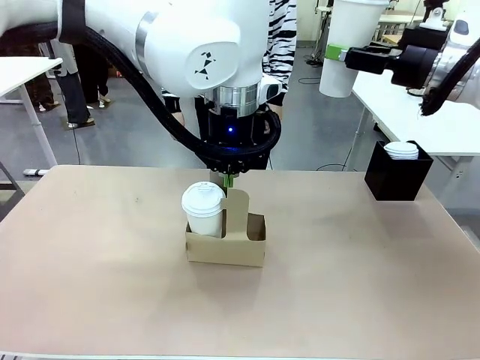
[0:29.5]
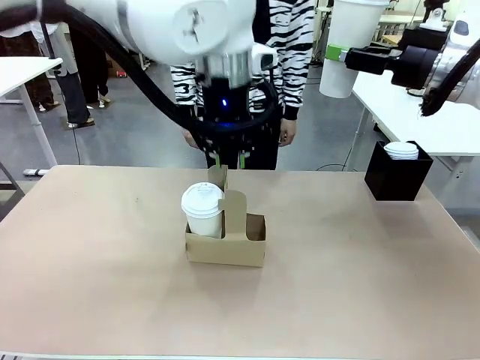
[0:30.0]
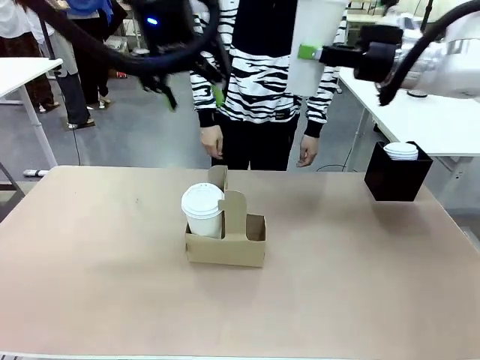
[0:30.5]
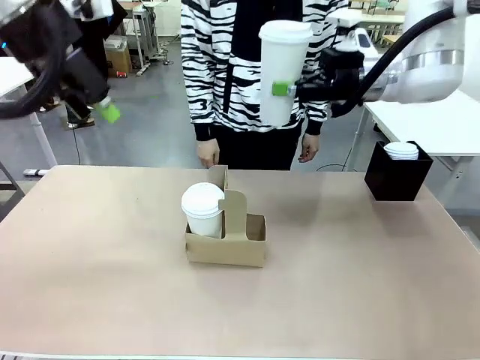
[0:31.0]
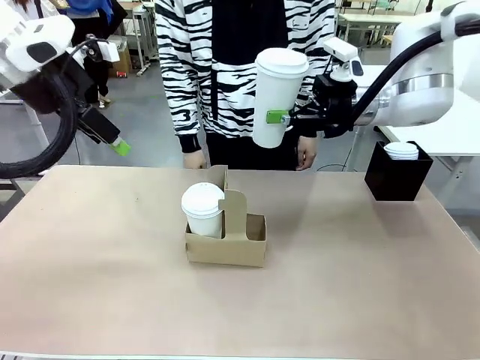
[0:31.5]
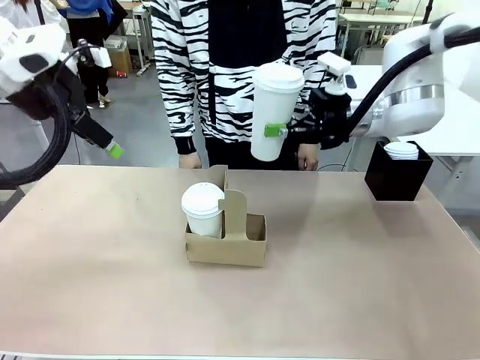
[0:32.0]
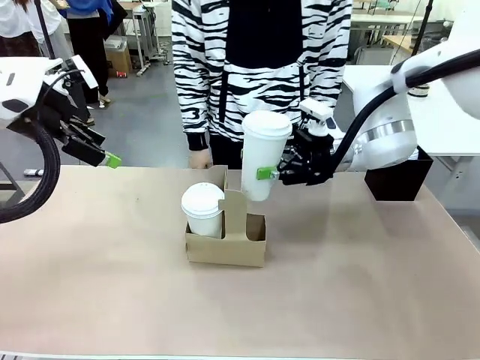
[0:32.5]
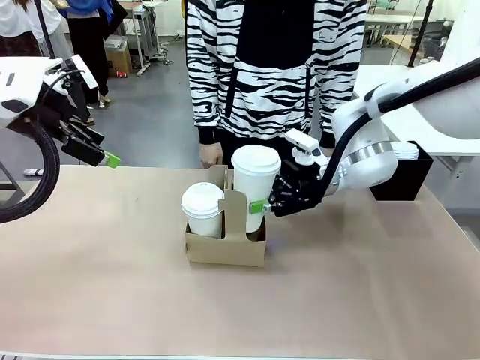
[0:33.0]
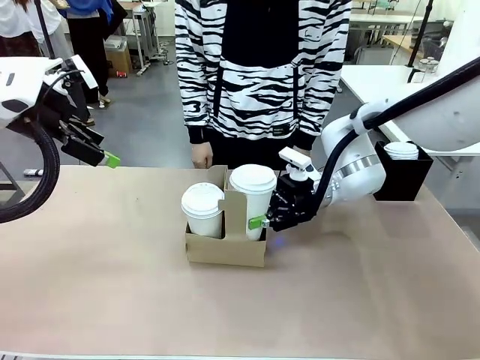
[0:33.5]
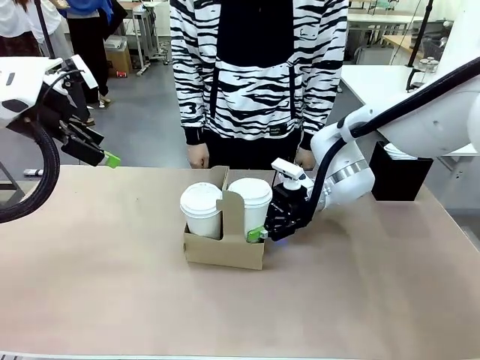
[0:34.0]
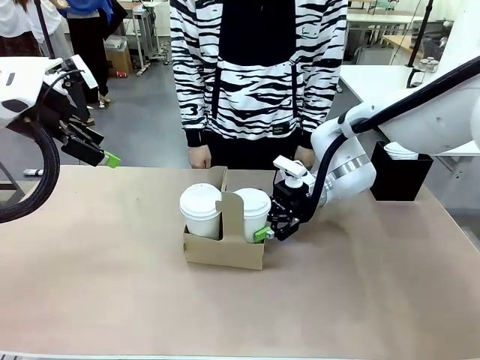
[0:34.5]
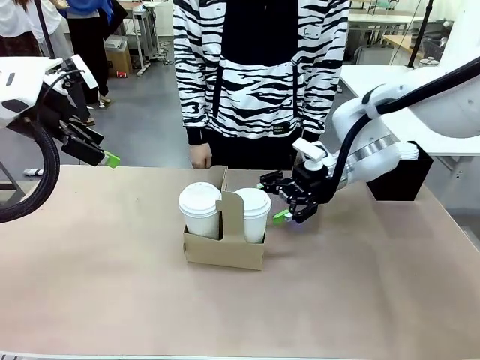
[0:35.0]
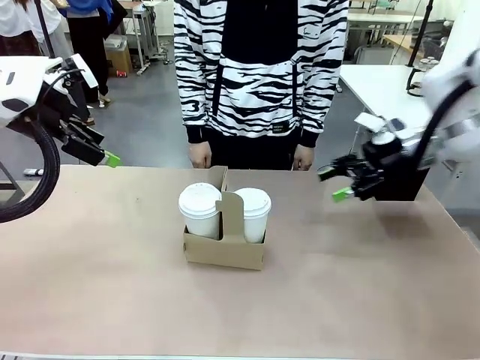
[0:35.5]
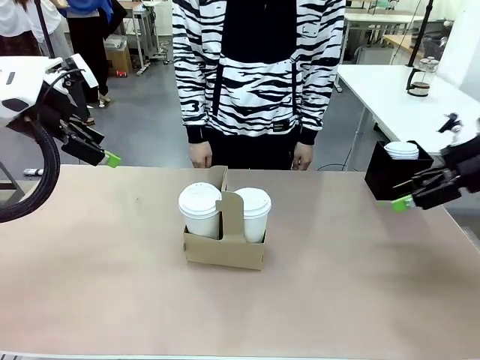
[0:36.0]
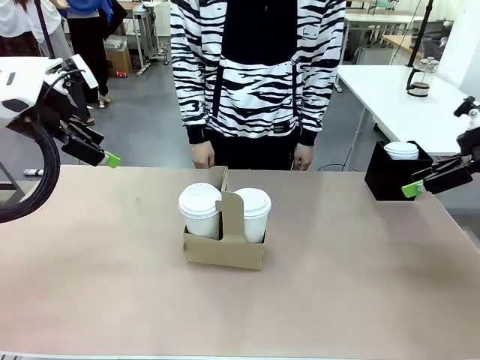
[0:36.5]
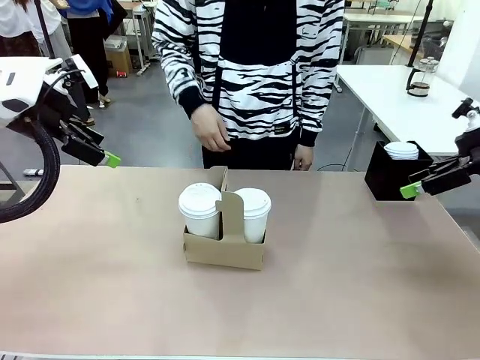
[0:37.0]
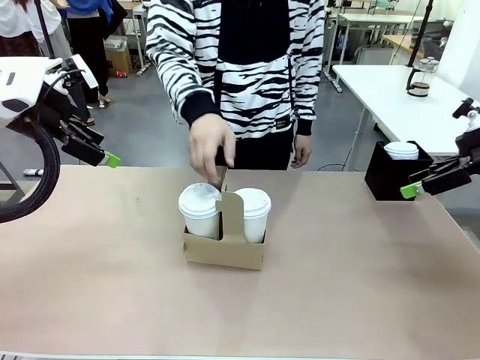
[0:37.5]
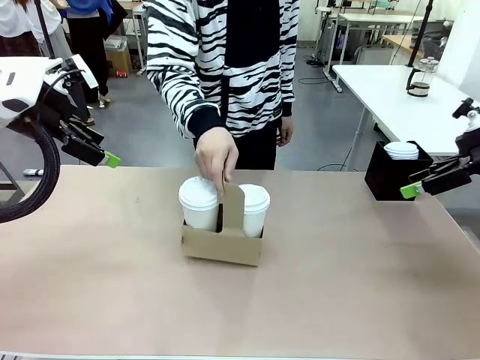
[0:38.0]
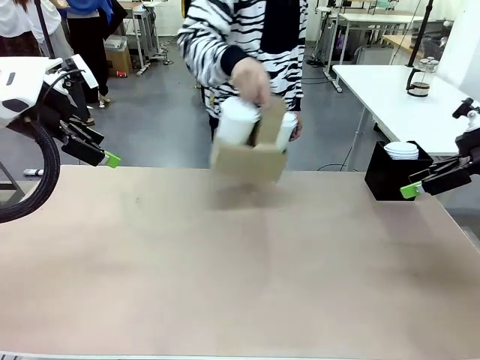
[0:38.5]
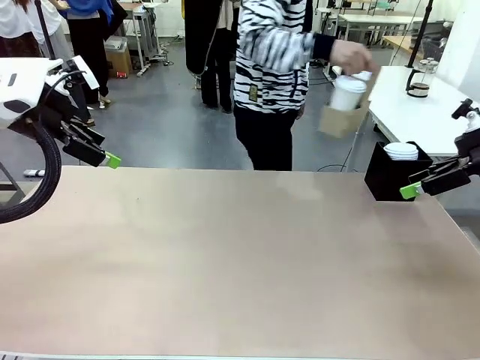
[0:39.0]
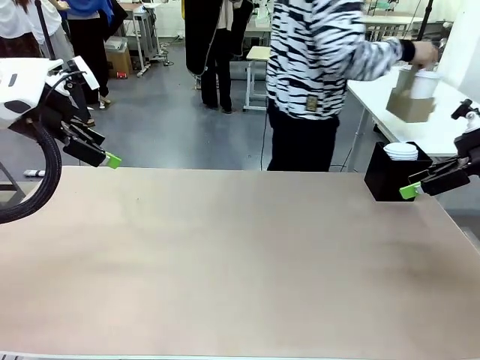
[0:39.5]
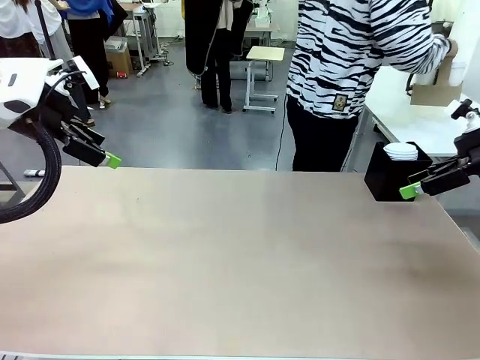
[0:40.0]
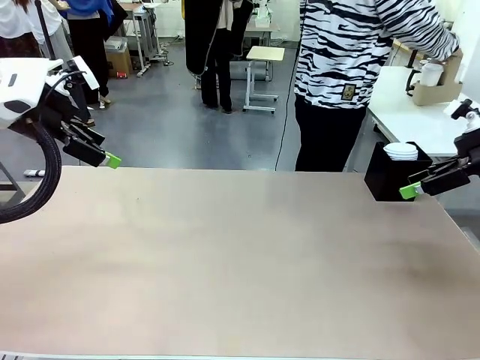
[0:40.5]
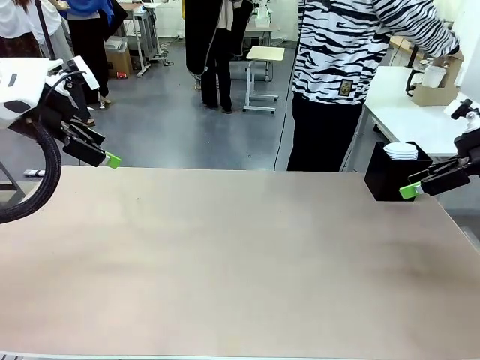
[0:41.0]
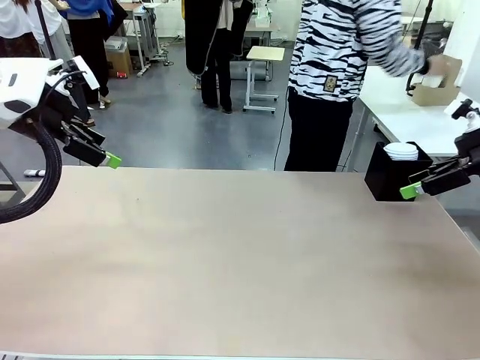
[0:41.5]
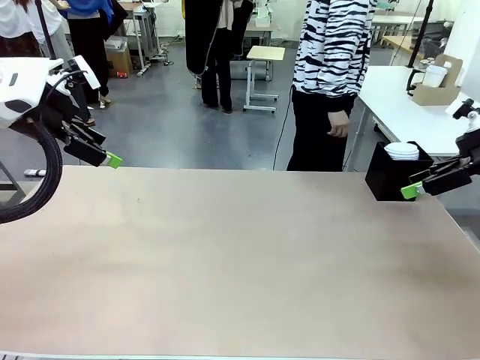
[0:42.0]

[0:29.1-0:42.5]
Task: Pour a drink into a cup and package it in a carrier.
Robot: Insert the held 600 ml Paper Cup into the Cup Carrier.
Person: Place the Cup Carrier to the middle of Human table.

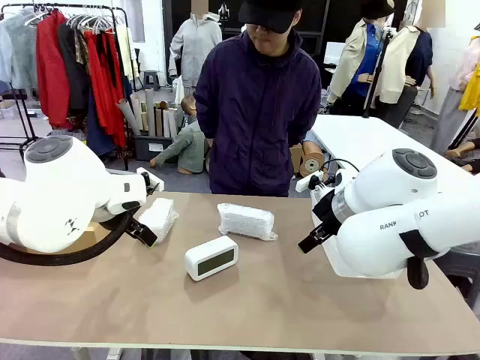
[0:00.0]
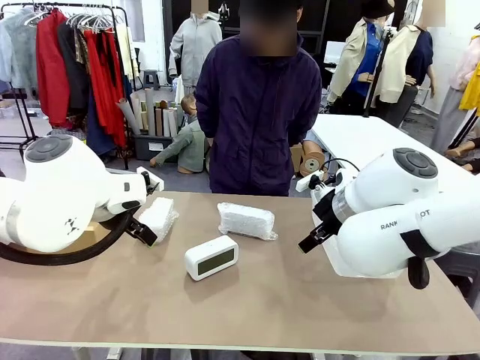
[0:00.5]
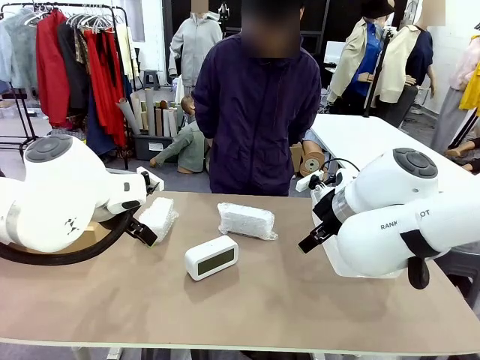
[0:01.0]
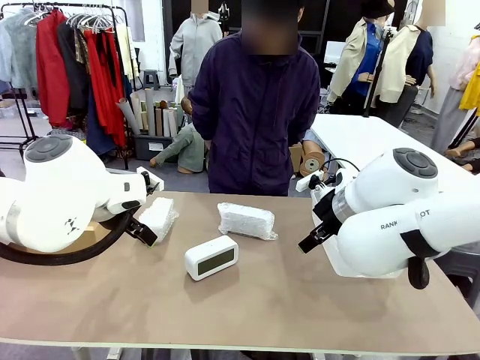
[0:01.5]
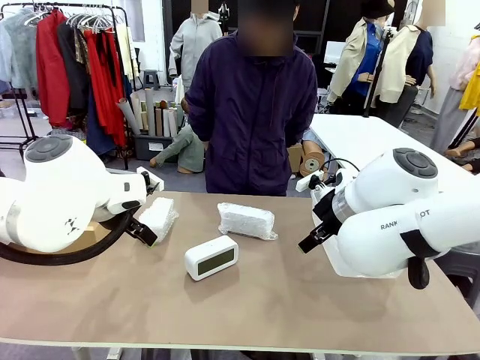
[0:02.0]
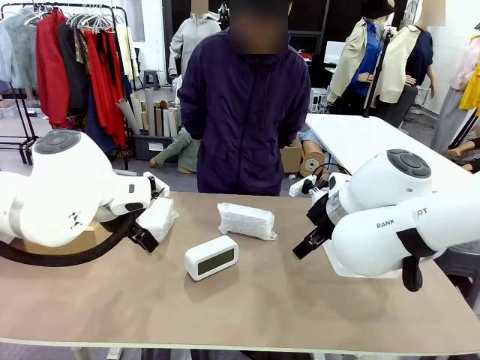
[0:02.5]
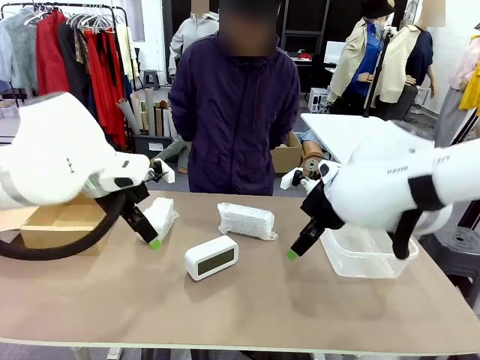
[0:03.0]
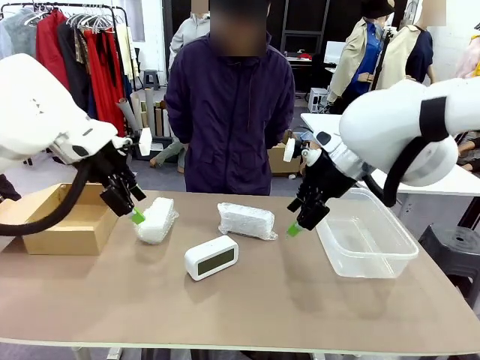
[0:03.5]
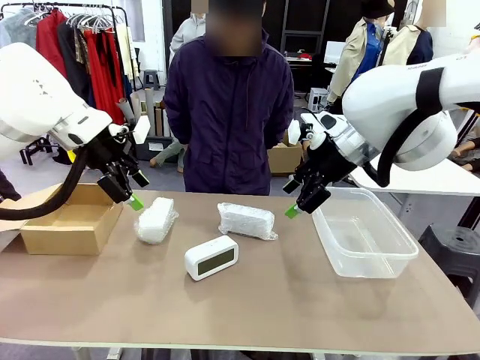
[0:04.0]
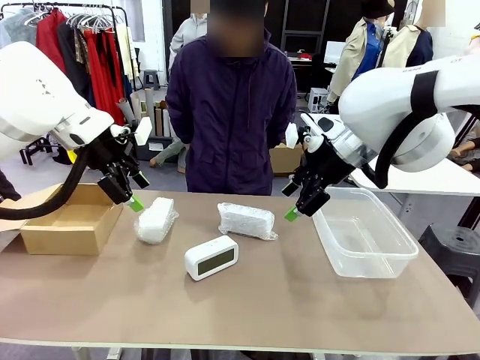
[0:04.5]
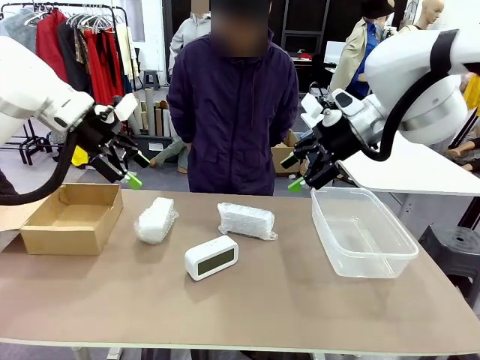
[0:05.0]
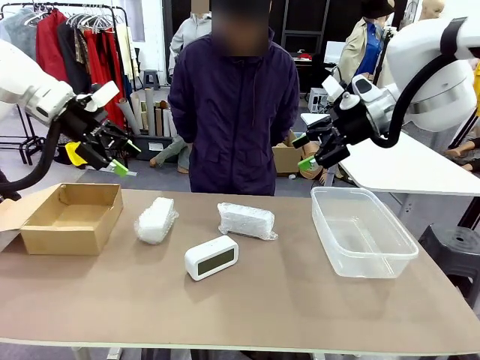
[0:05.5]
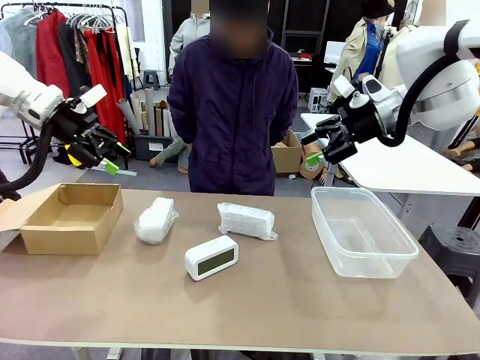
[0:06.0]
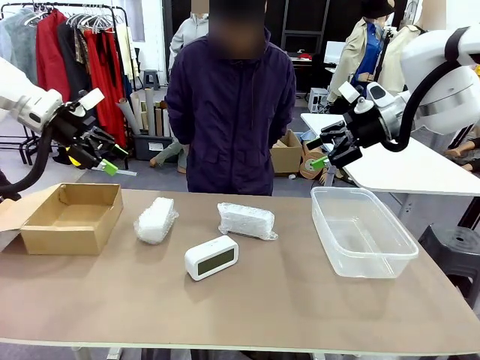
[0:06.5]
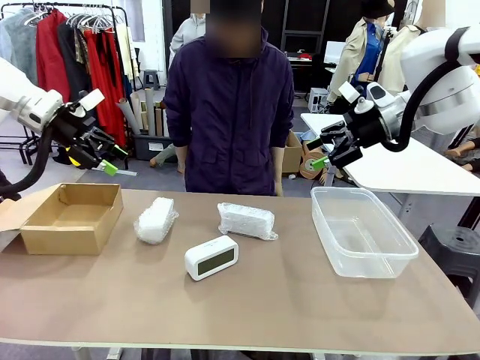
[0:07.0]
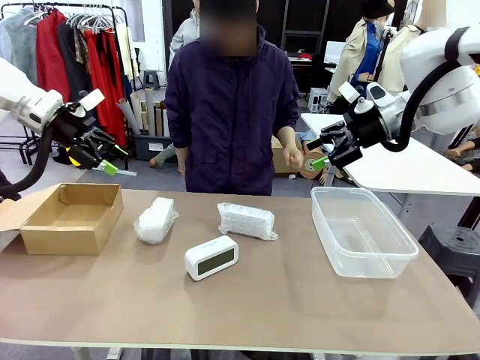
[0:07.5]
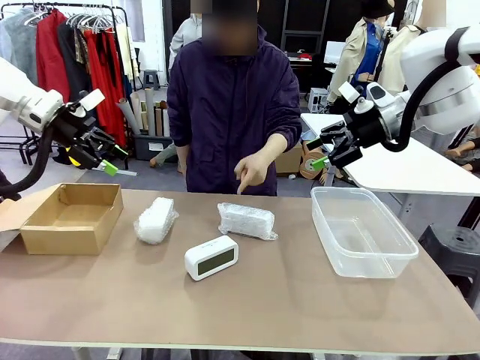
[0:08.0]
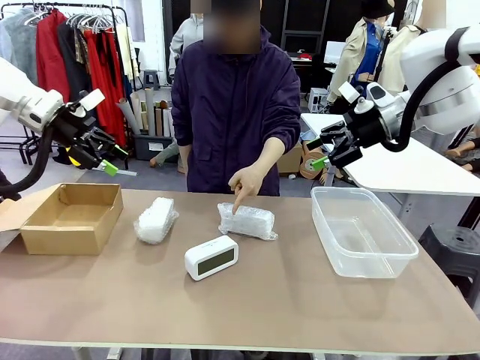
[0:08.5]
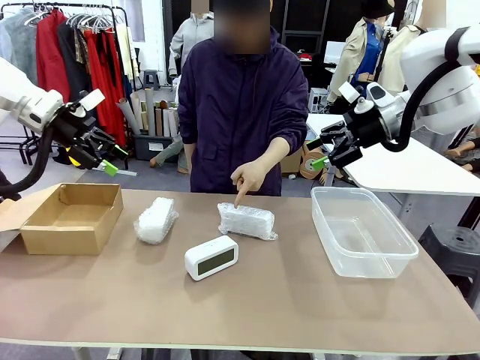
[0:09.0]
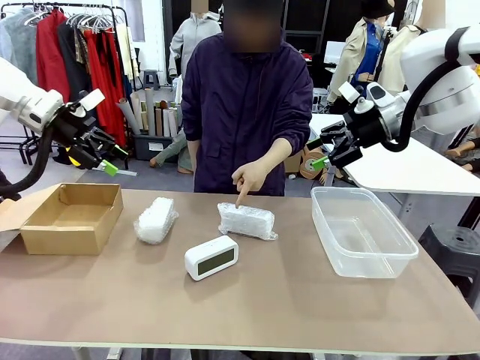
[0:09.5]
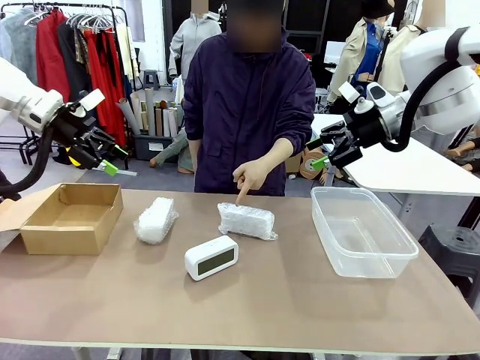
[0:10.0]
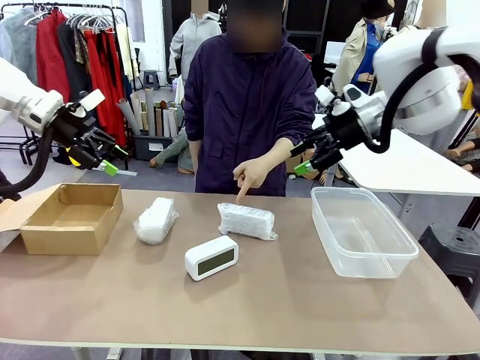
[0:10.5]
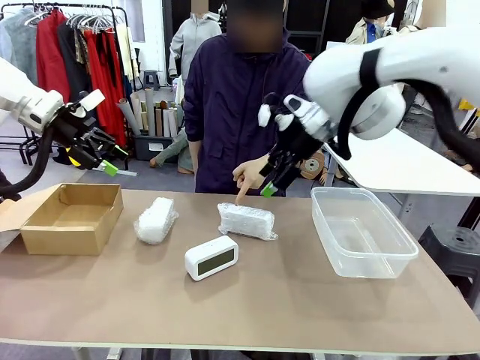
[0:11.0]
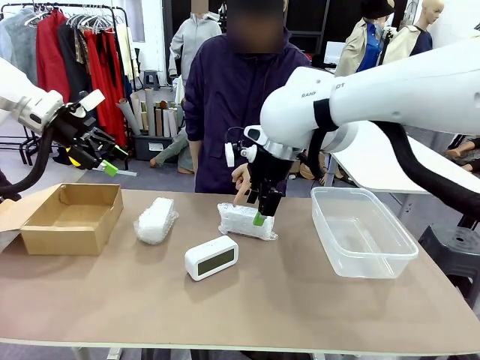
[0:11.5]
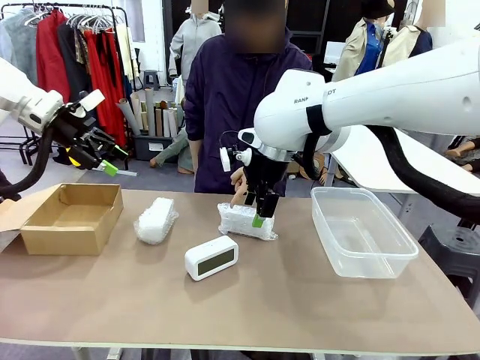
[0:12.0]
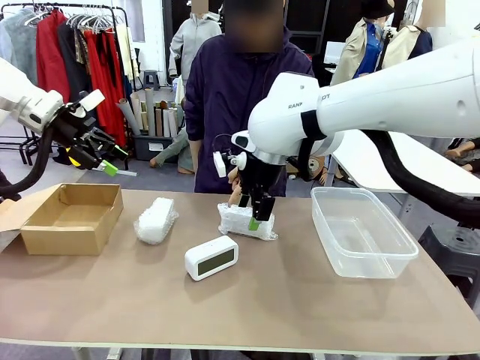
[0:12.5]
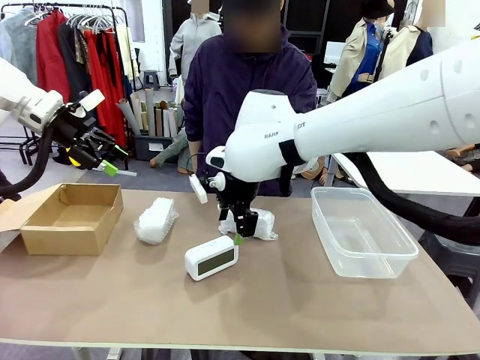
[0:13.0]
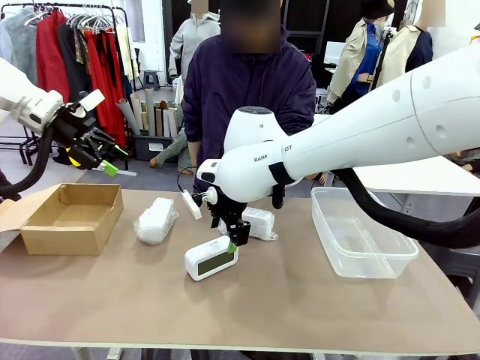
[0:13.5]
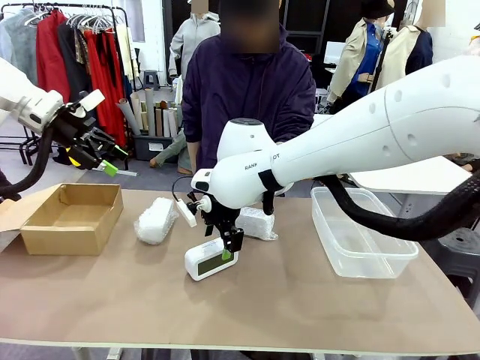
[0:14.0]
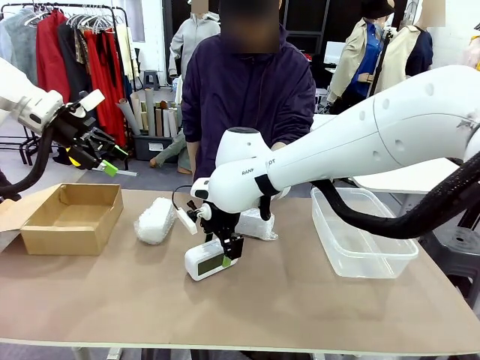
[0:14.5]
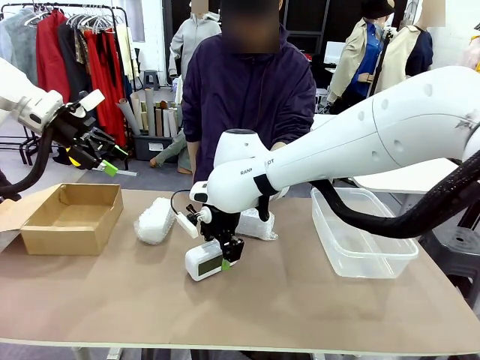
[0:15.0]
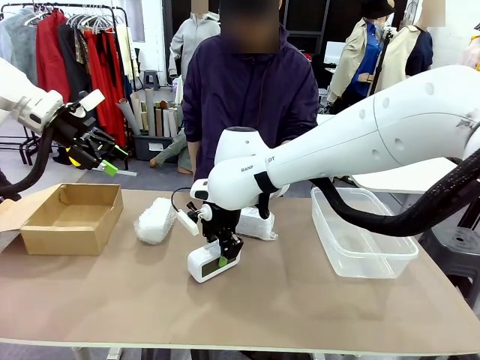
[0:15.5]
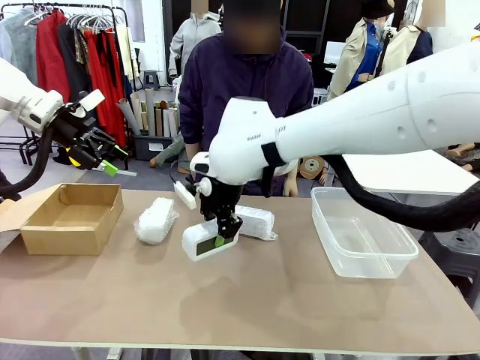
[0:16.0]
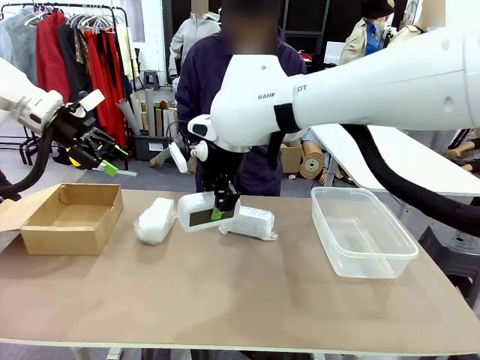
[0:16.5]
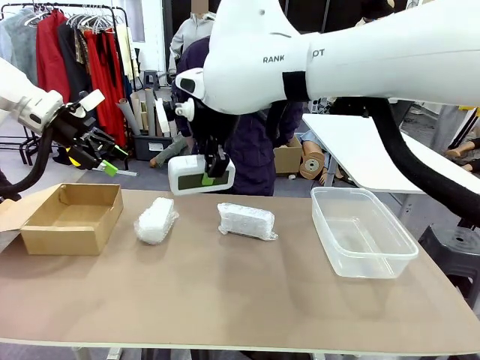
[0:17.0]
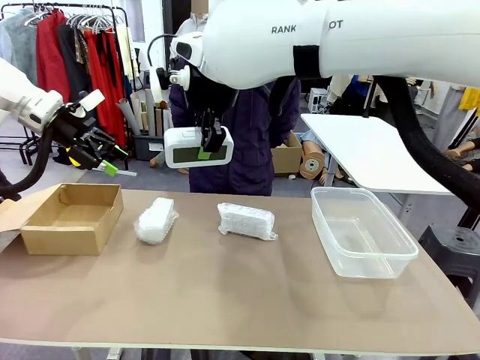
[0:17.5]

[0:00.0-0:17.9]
Task: Separate and place wrapped and unwrapped clocks.
Robot: Pick up the Digital clock indicated by the person.
